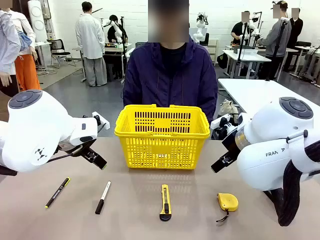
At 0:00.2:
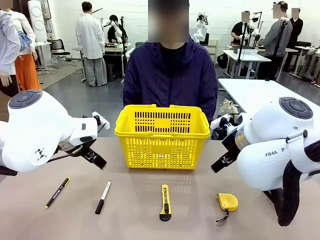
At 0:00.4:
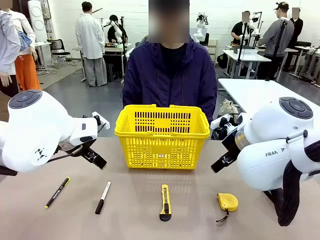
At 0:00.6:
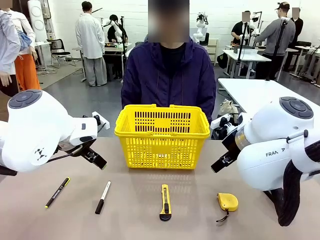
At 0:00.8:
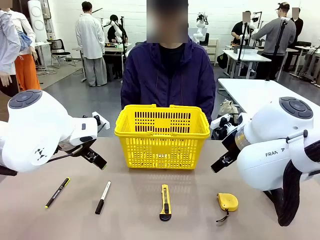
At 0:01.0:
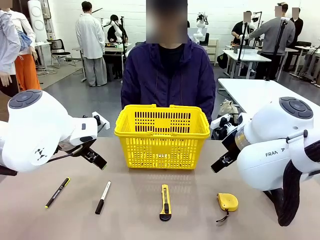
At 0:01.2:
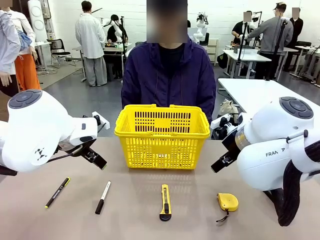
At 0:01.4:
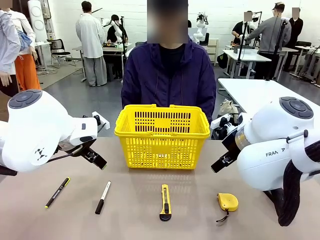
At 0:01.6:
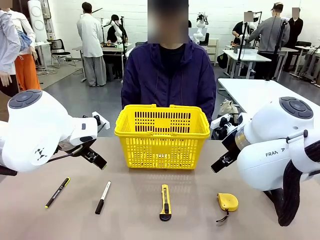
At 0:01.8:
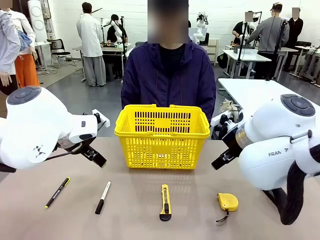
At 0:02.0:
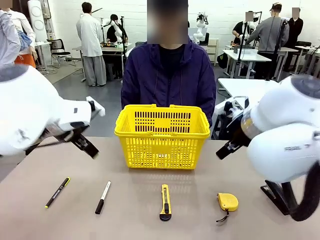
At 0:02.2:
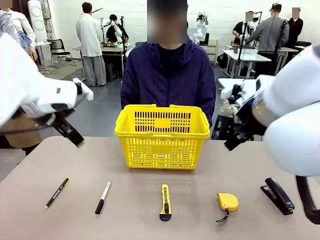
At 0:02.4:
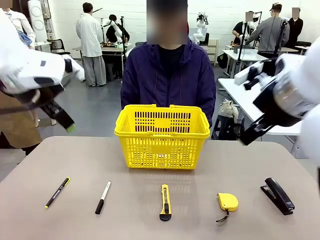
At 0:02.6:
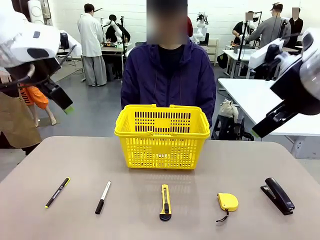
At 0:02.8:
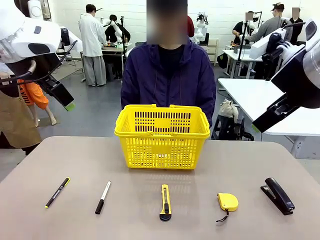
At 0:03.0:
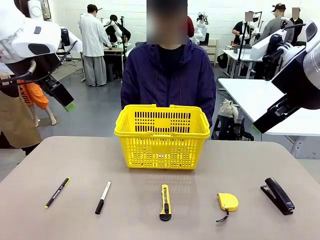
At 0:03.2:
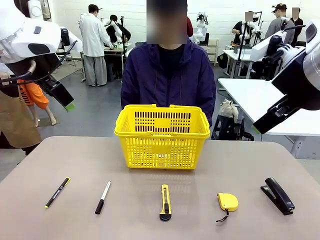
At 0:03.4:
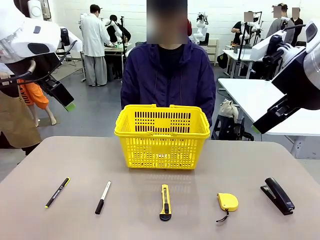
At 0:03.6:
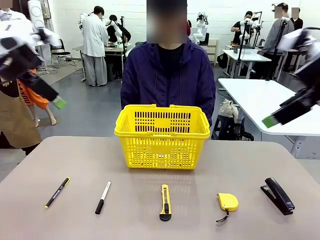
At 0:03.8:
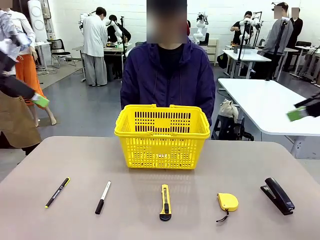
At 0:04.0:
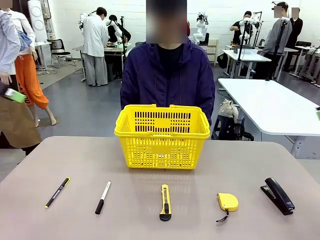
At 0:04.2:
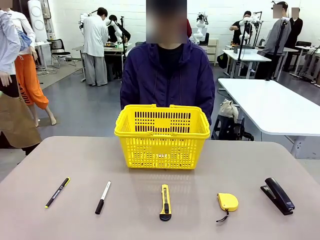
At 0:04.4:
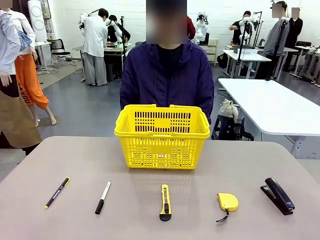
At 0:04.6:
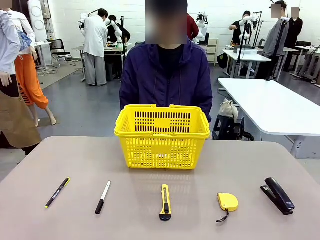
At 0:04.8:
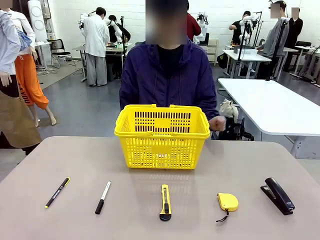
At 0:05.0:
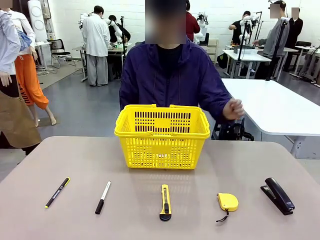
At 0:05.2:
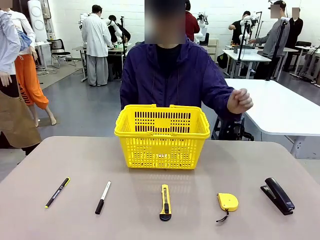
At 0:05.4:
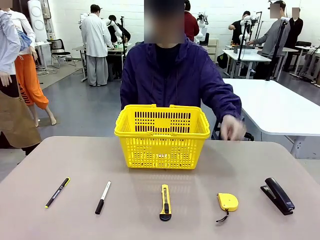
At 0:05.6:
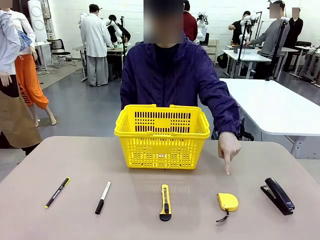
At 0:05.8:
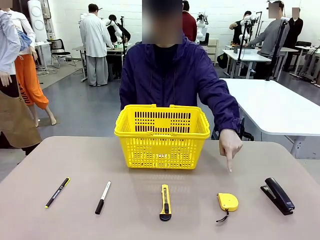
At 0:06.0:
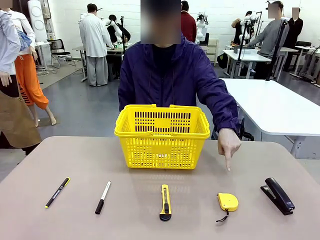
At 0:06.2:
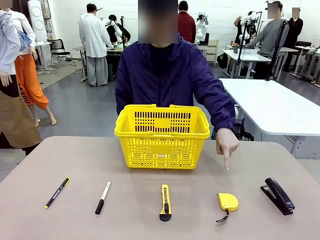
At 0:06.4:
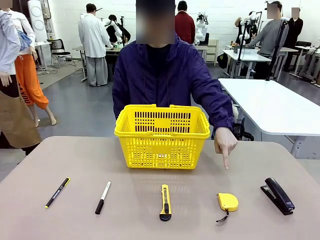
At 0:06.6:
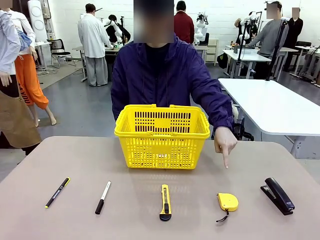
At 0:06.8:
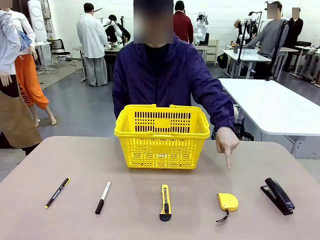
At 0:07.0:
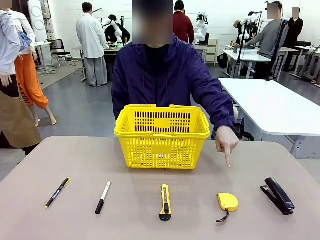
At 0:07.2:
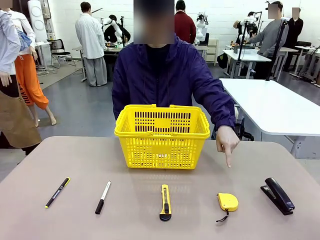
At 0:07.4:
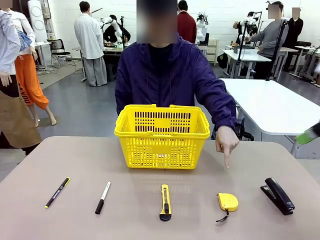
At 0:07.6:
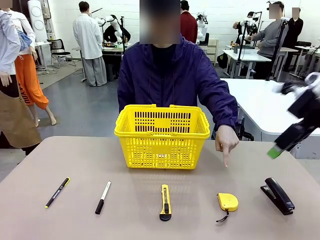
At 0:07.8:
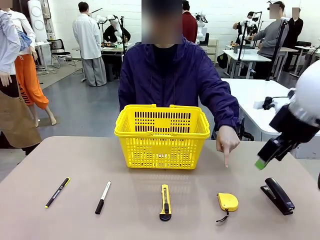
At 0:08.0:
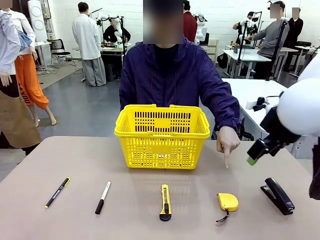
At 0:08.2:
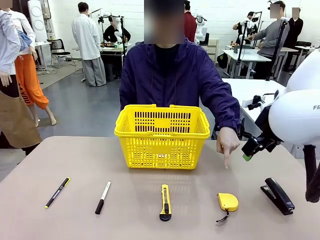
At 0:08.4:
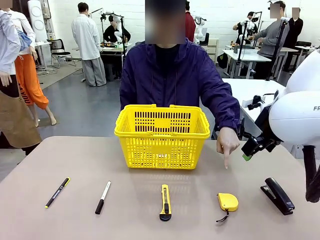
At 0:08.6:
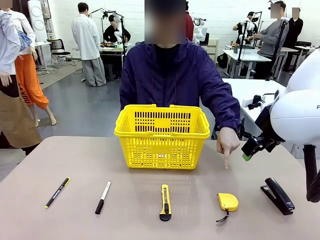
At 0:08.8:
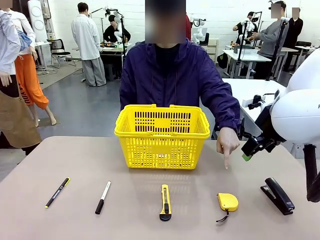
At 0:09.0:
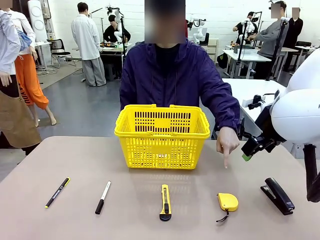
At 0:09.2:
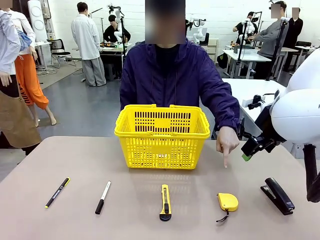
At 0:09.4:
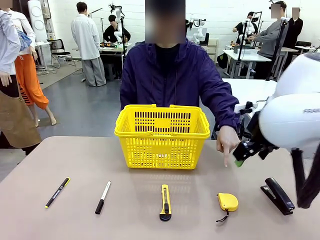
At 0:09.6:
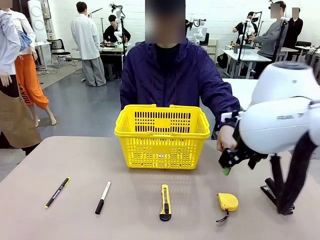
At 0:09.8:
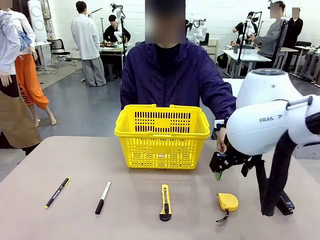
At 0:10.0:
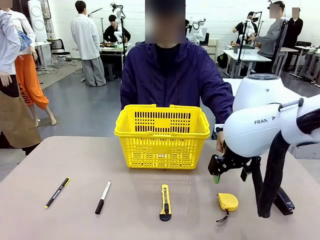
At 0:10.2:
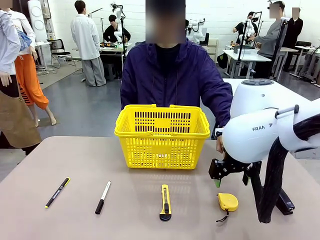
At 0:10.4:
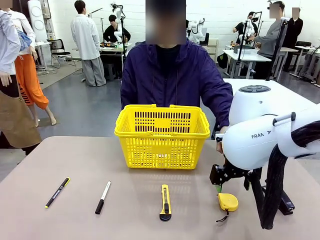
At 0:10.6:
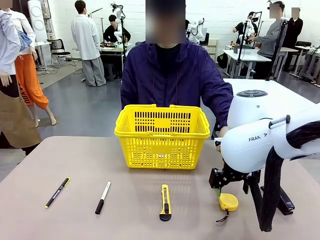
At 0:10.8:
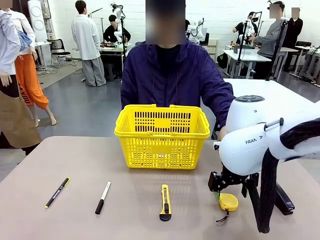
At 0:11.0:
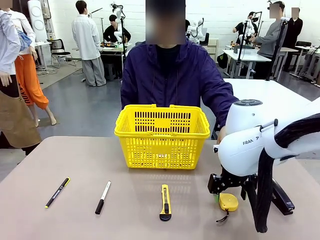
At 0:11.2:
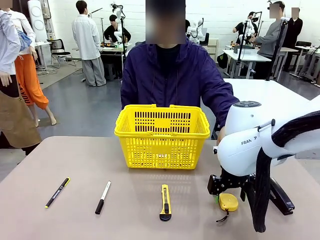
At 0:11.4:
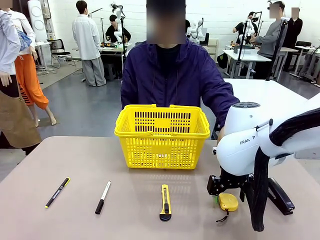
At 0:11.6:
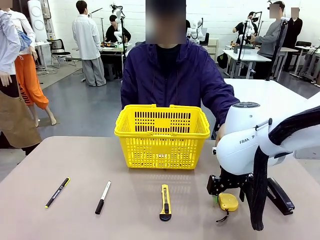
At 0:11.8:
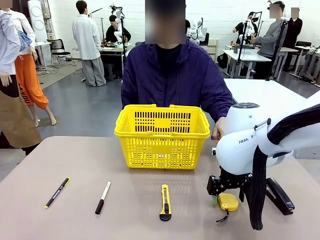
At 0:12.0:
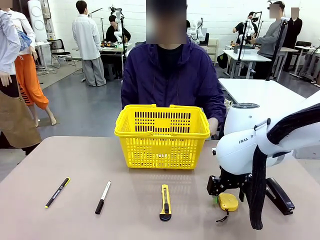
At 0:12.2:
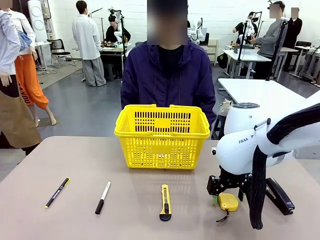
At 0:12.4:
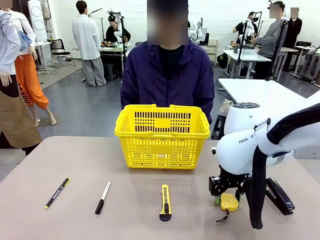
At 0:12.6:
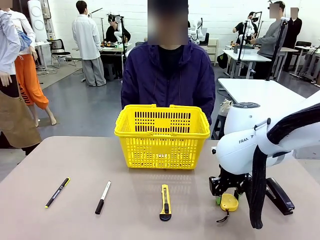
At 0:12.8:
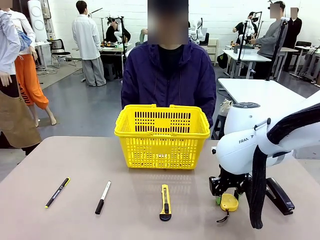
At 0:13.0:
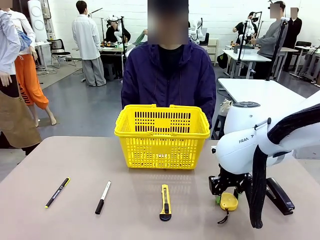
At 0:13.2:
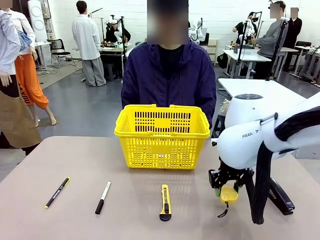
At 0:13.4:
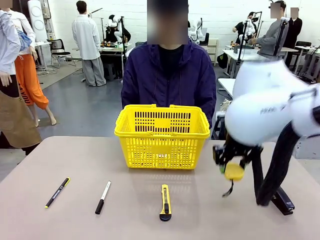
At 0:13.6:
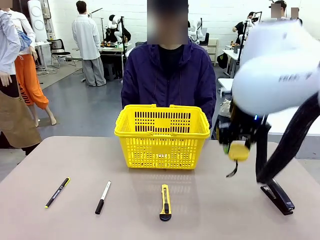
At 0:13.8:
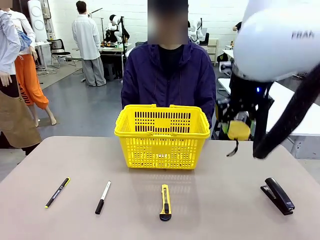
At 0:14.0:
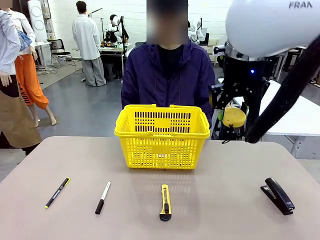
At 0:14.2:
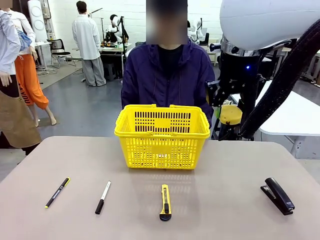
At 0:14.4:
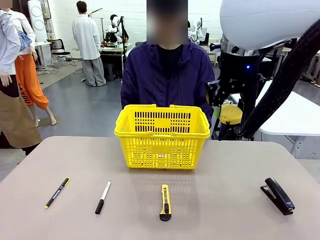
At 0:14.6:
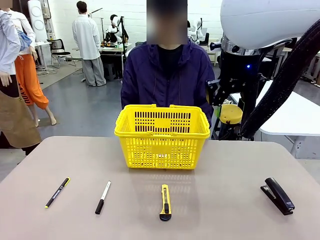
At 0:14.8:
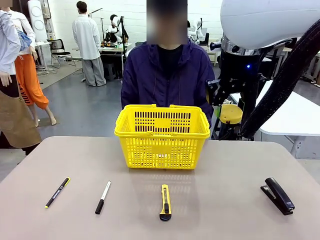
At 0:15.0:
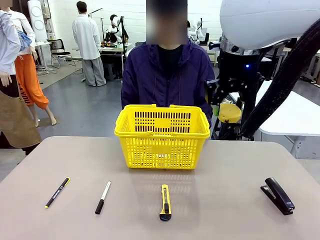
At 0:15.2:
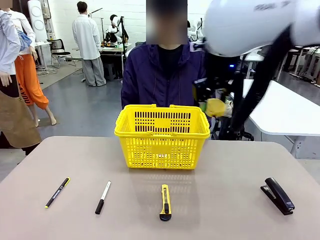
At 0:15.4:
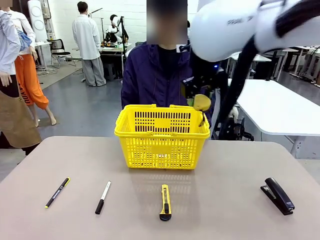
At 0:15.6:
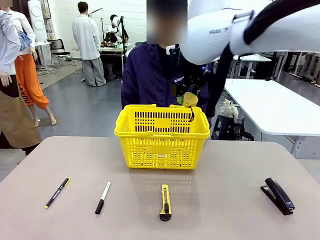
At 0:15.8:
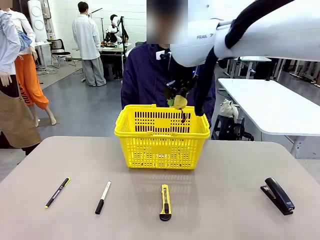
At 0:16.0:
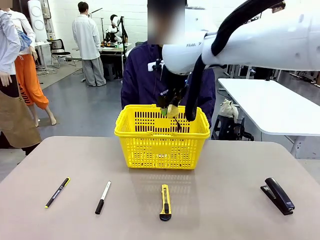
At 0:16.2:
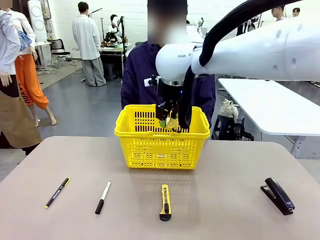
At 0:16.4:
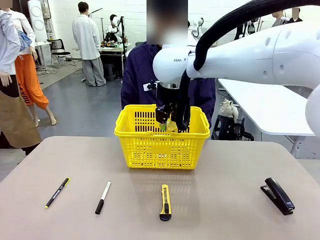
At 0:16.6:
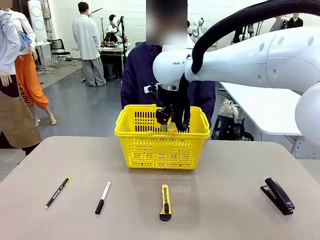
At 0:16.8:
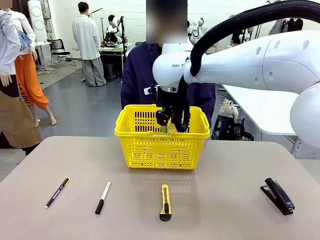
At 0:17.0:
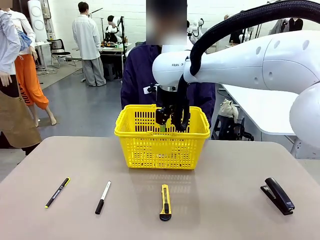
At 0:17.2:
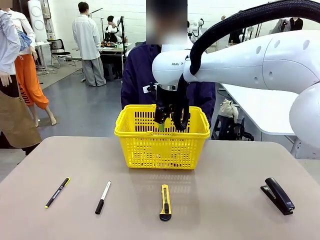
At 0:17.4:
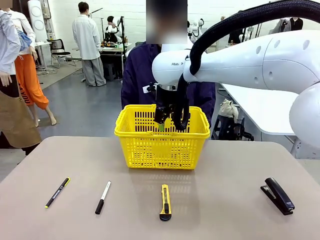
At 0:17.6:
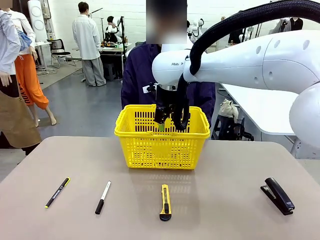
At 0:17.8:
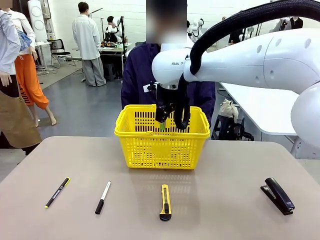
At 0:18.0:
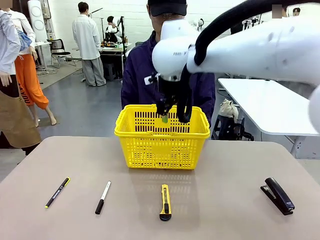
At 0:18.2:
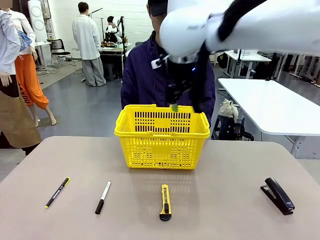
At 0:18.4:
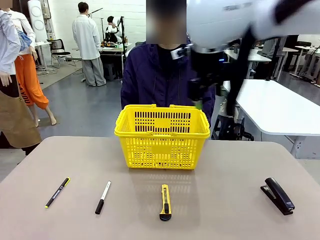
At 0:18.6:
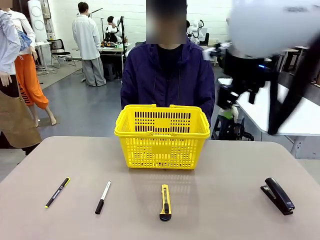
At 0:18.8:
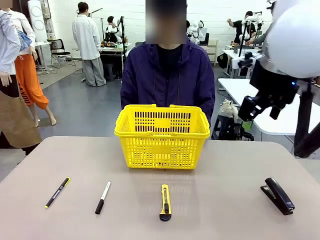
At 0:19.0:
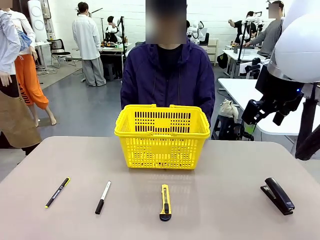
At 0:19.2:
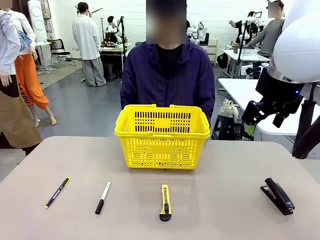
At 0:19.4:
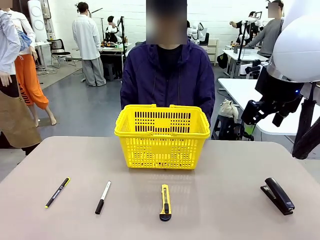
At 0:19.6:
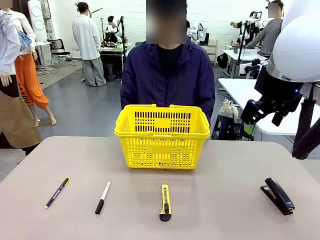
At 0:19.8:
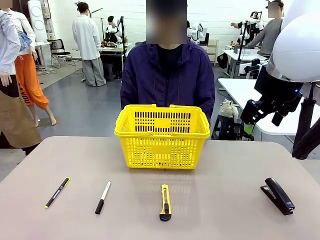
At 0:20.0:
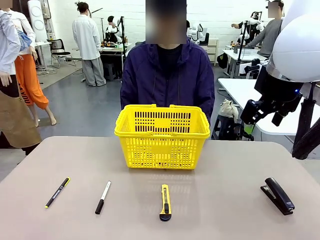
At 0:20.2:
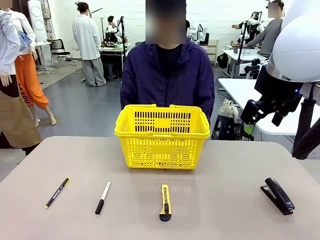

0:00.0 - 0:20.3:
Task: Place the items the person wants into the basket.
Robot: Pick up the item the person points to and place it in the Market Basket.
